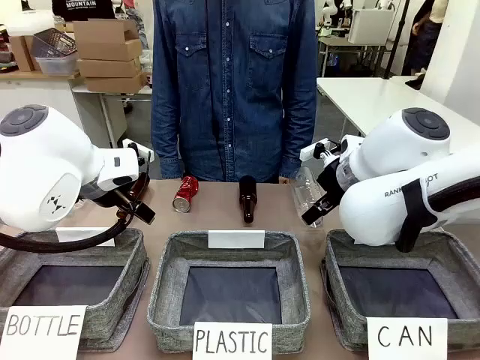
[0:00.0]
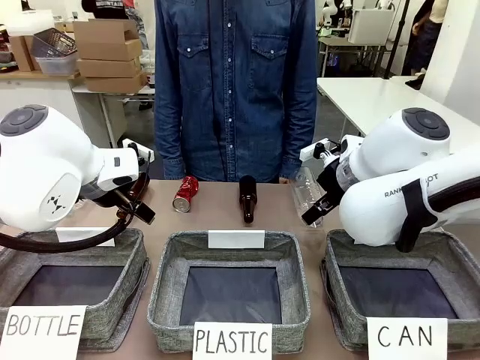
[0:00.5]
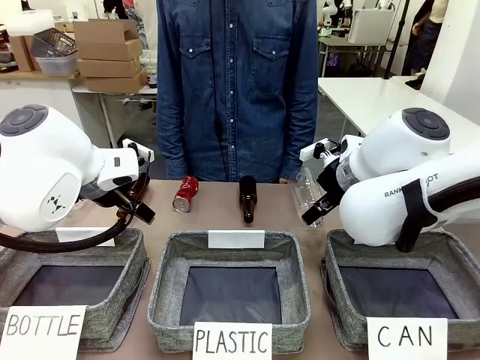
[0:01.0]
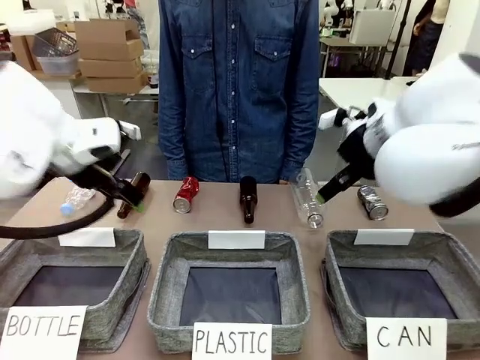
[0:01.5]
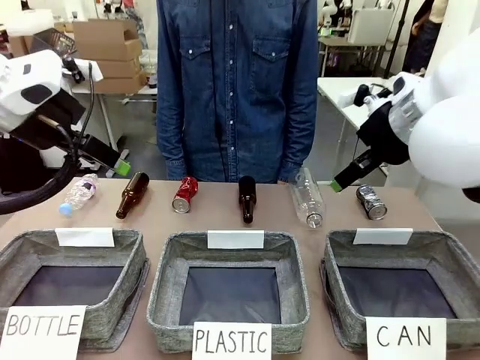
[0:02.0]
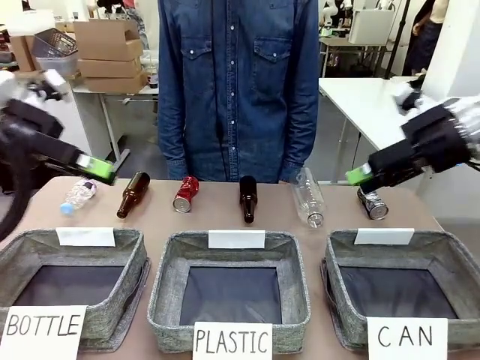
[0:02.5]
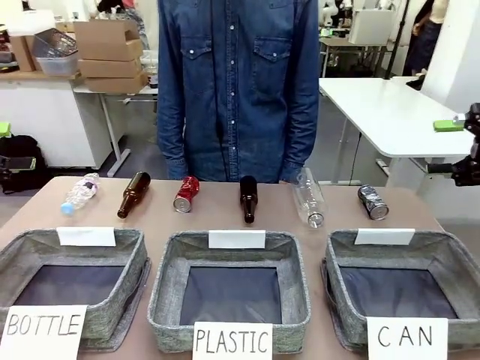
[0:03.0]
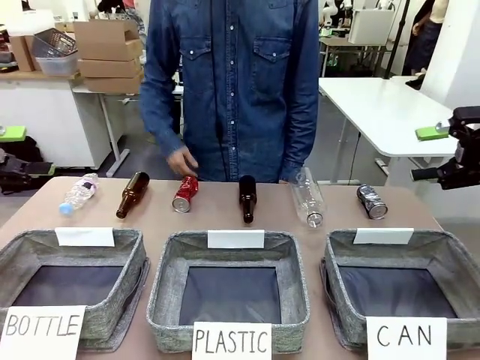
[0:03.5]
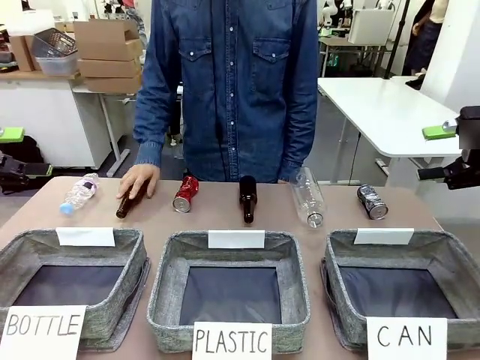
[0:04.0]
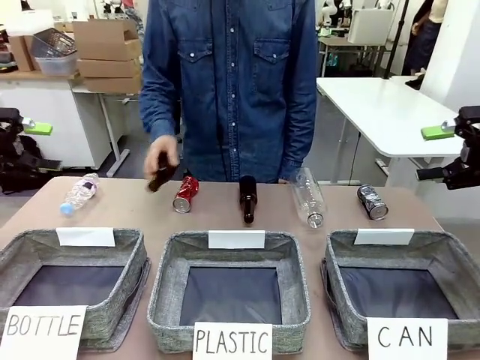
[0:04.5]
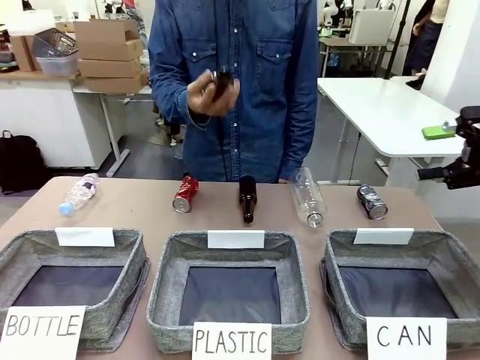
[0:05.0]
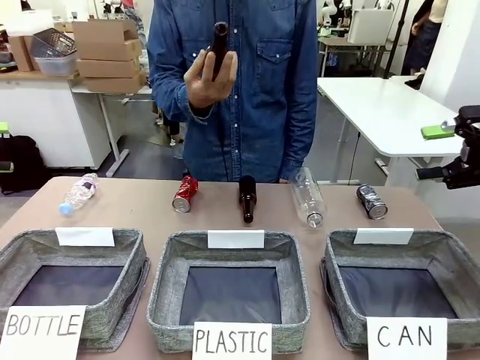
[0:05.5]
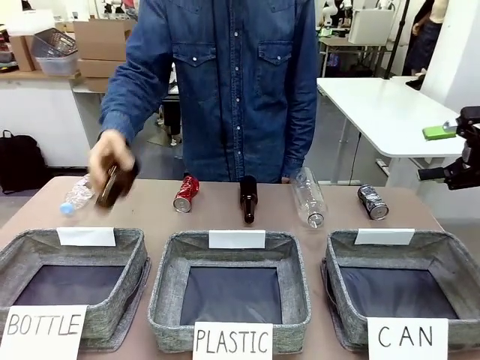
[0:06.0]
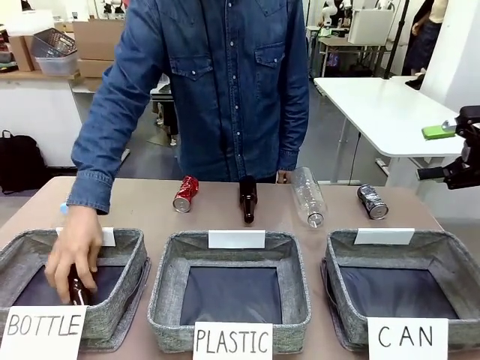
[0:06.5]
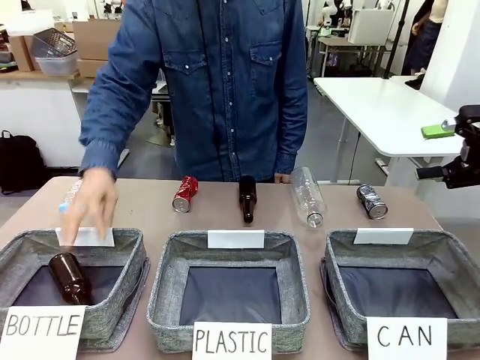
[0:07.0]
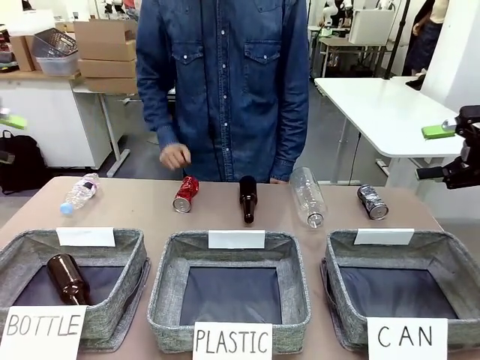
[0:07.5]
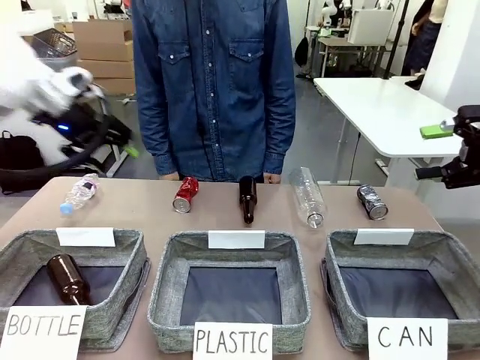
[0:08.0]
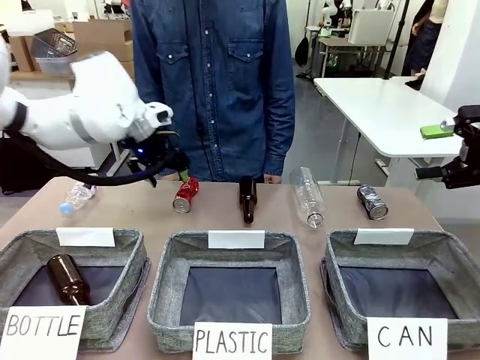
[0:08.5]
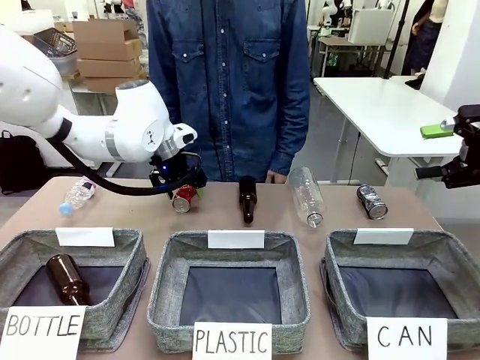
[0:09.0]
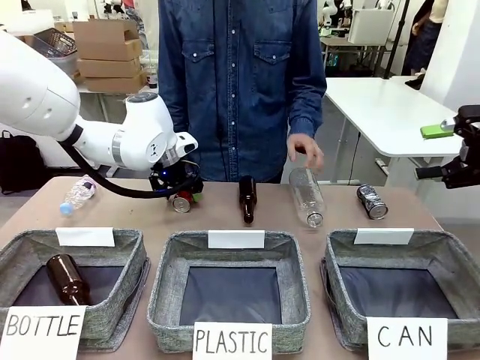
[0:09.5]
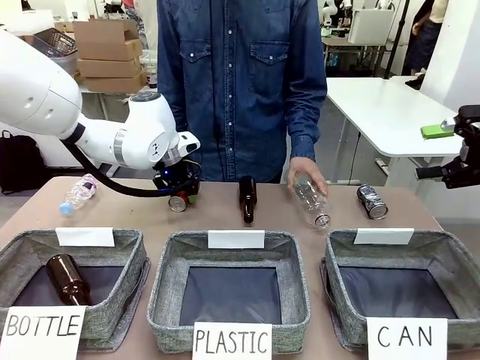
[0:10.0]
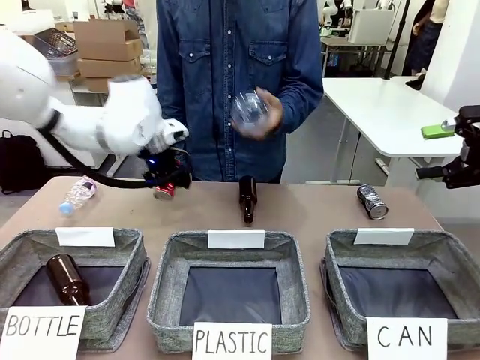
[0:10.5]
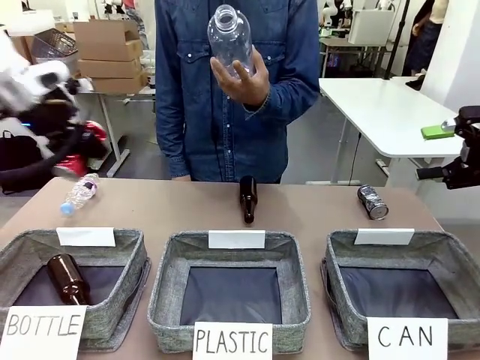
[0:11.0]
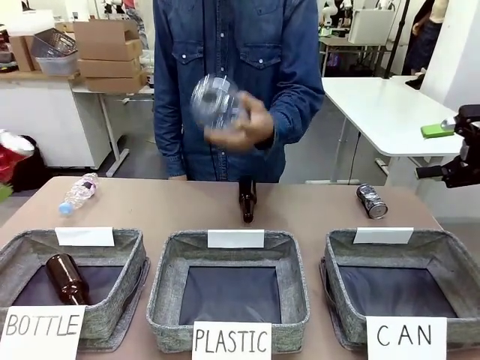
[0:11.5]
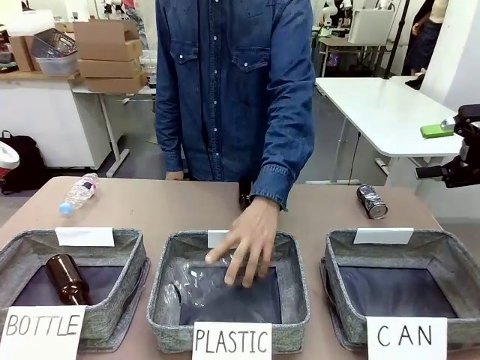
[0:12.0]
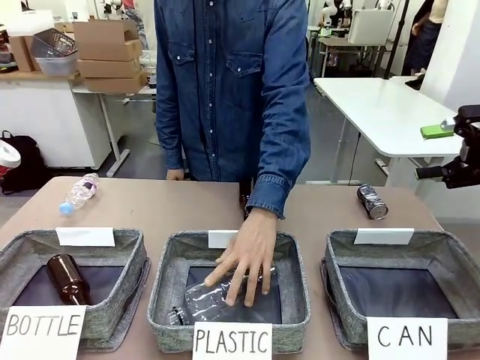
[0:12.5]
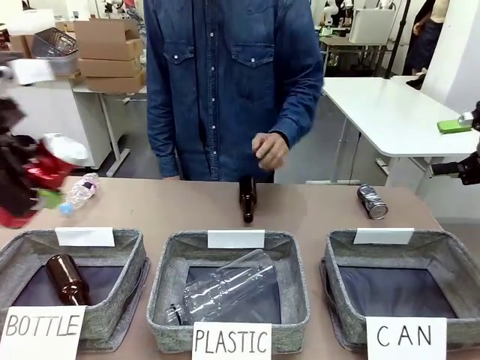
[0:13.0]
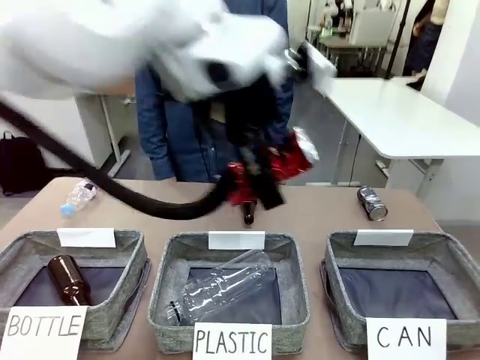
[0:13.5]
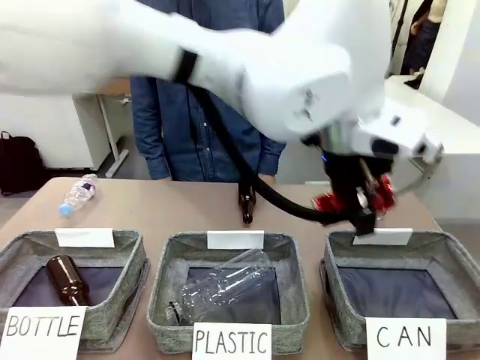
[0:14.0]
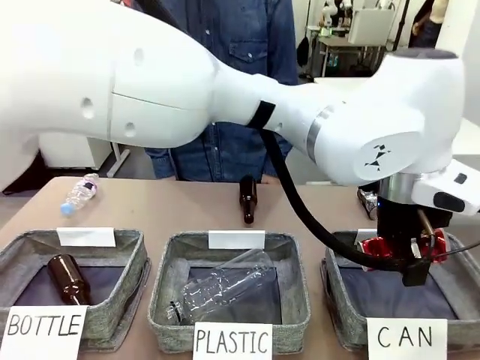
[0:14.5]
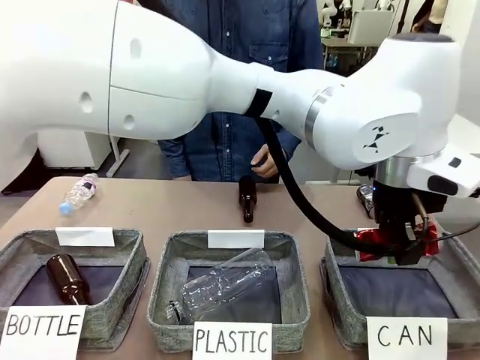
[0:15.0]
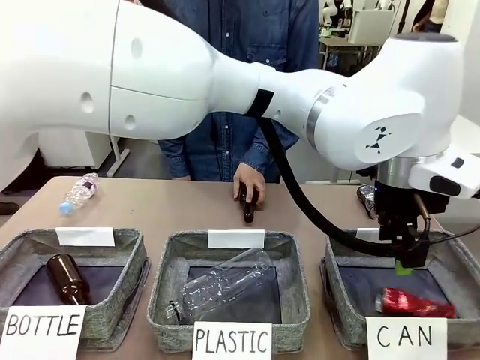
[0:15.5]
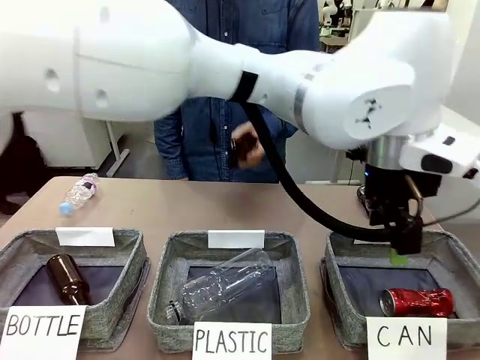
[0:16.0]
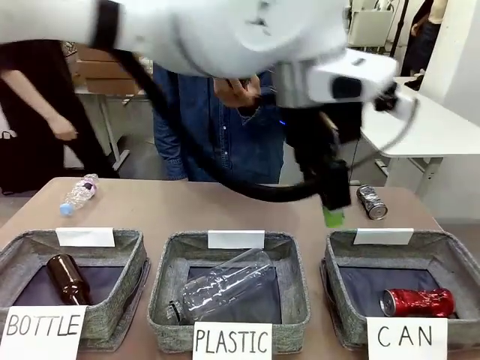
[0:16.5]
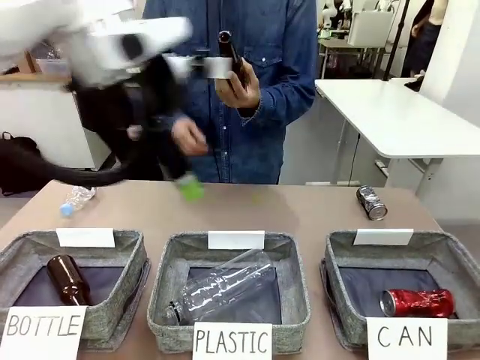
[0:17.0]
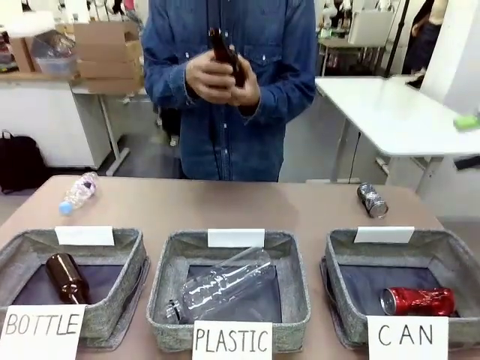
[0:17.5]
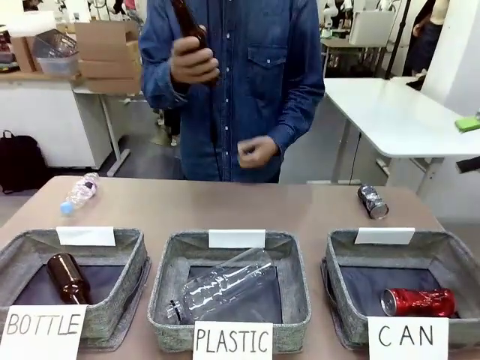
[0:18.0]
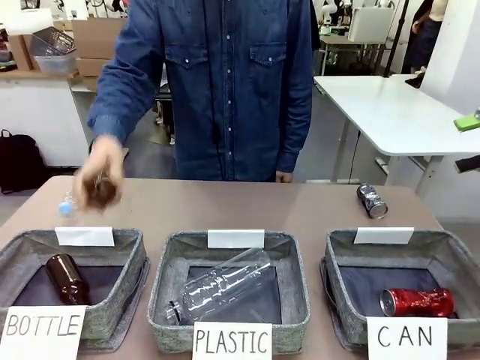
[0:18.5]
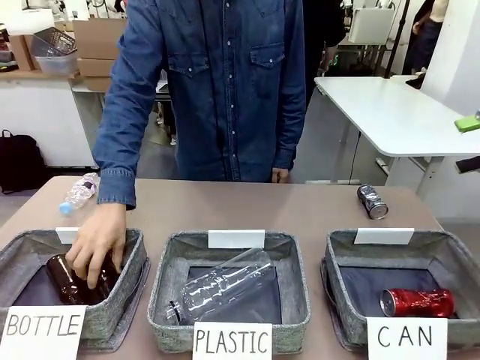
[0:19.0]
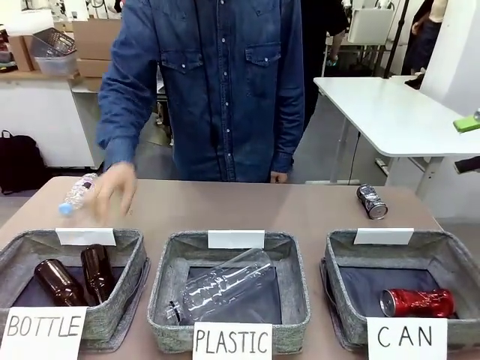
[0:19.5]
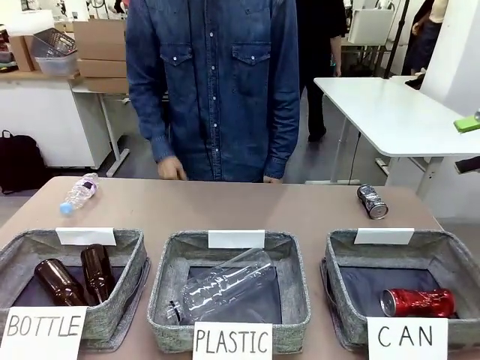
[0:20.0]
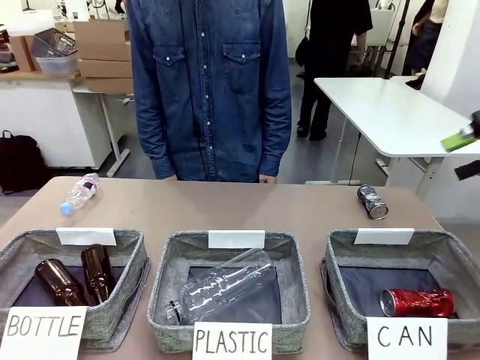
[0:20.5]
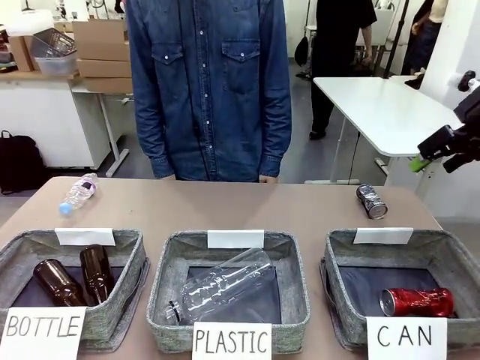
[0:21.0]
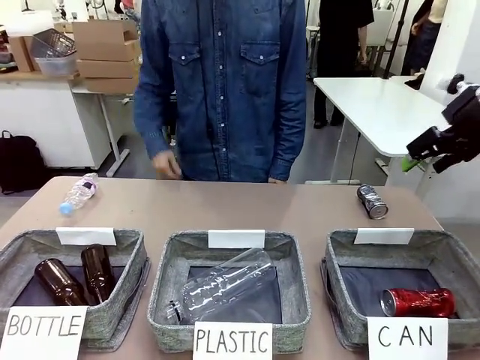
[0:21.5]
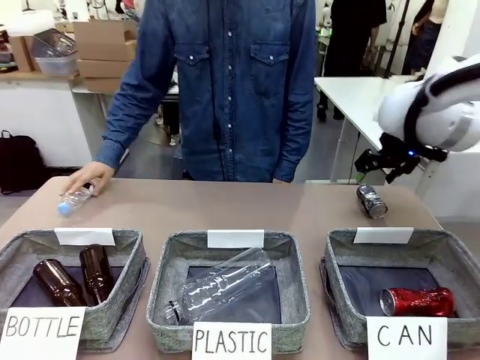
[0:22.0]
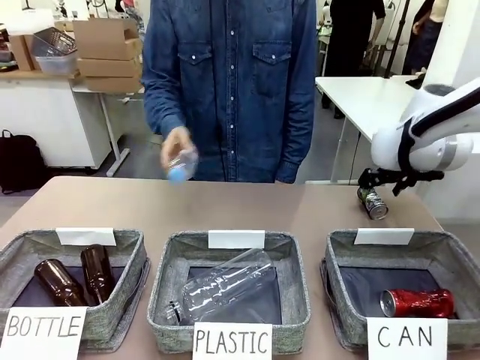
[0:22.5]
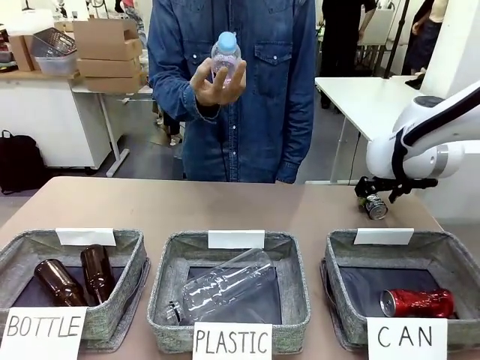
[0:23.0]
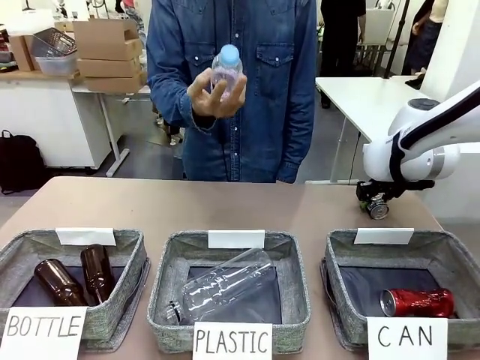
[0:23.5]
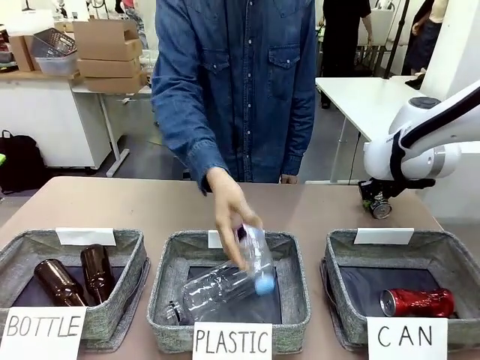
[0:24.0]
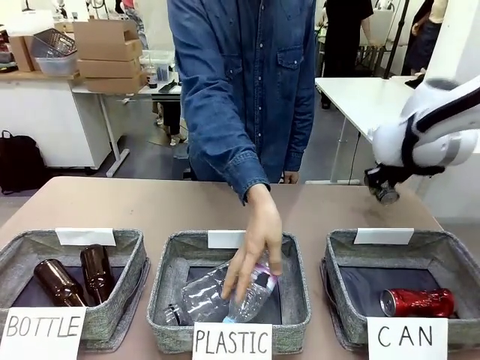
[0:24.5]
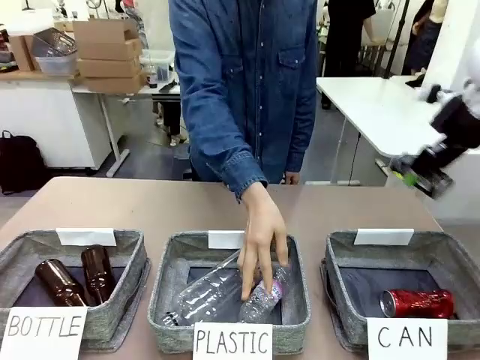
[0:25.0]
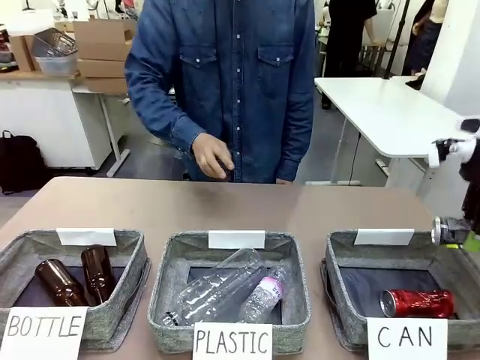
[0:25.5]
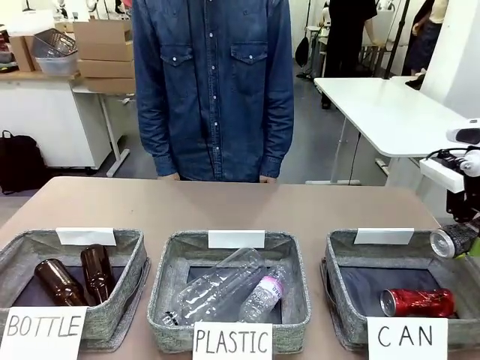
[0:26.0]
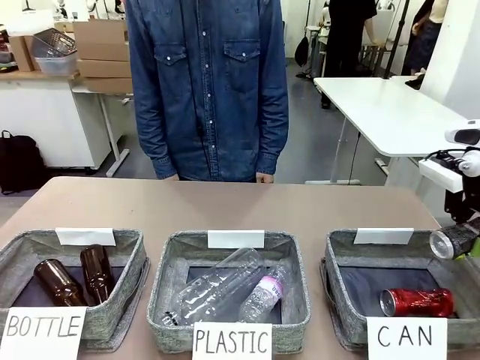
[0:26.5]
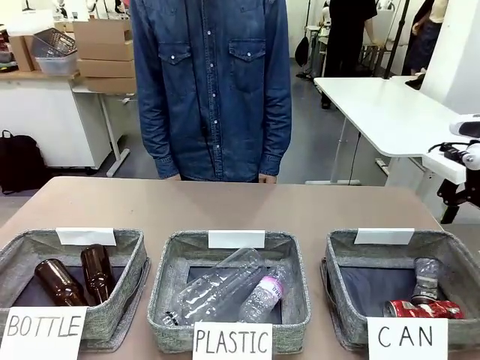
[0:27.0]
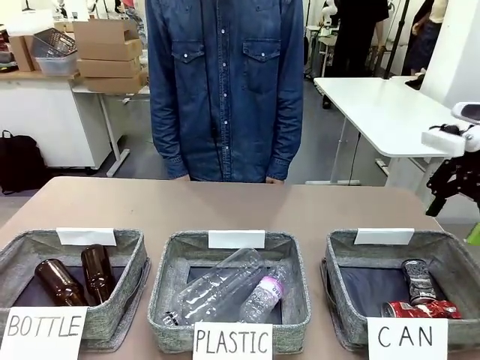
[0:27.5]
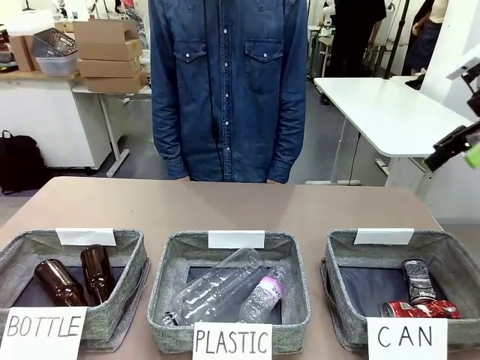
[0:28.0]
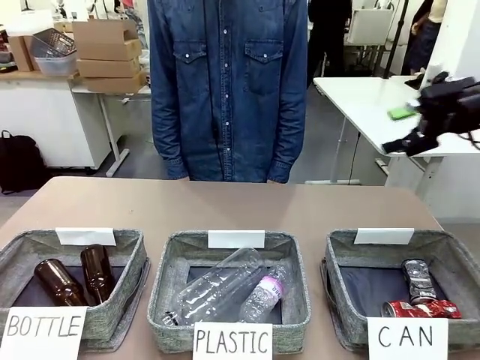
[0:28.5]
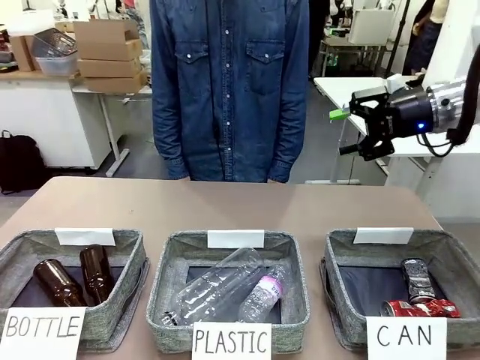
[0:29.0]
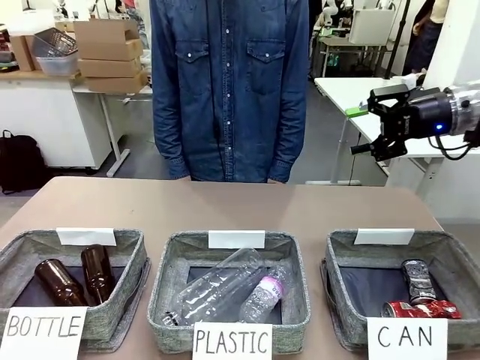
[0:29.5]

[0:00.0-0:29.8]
Task: Sort the can waste into the basket.
Robot: Pick up the can waste from the table and place it in the right Fabric basket.
Person: The human picks up one piece of trash that is not a can and places the trash into the appropriate organizing basket.
